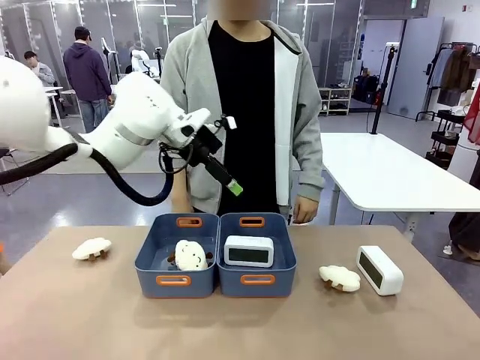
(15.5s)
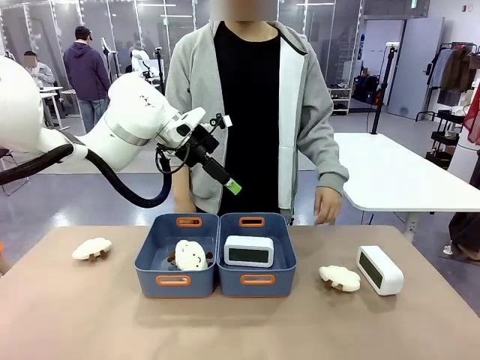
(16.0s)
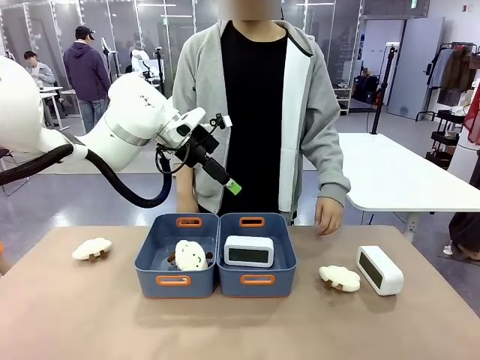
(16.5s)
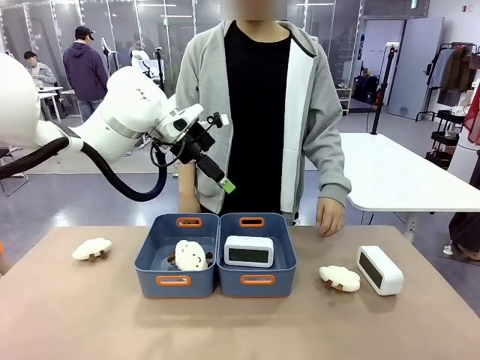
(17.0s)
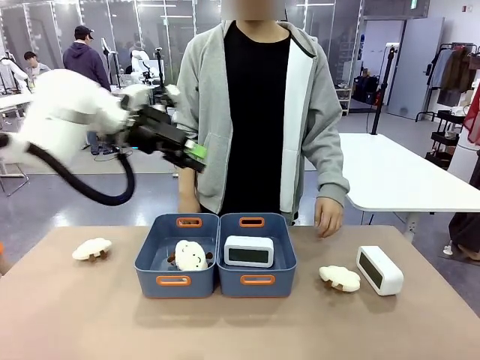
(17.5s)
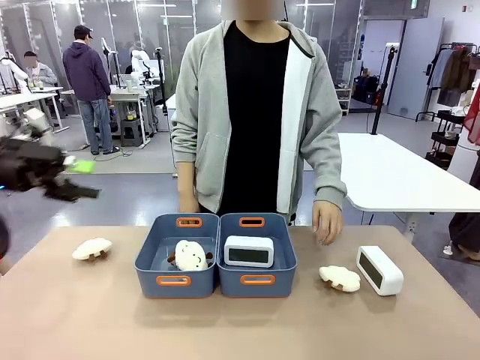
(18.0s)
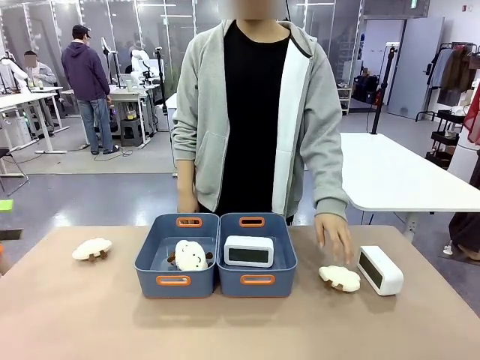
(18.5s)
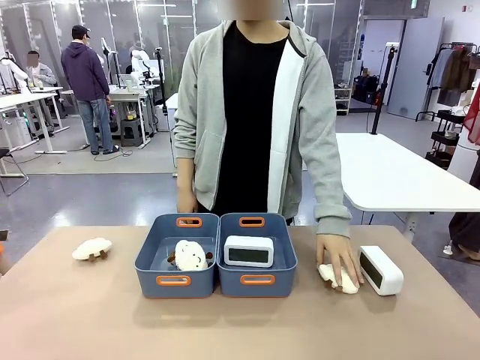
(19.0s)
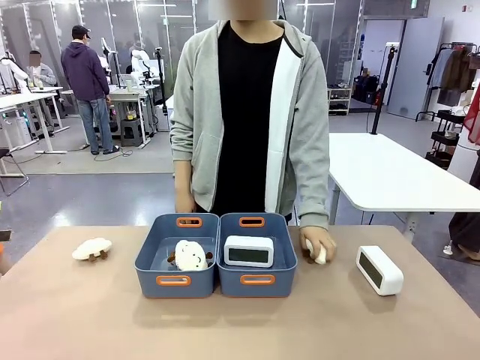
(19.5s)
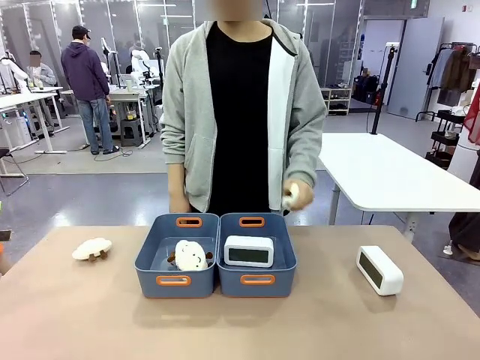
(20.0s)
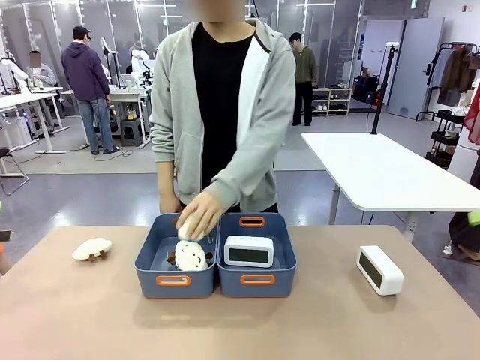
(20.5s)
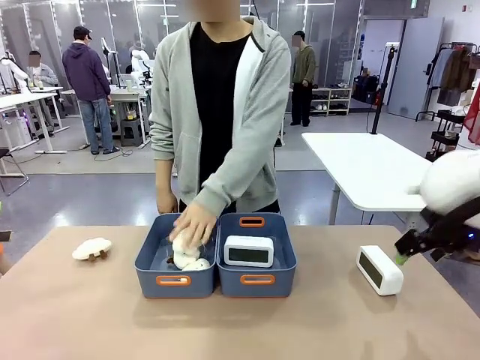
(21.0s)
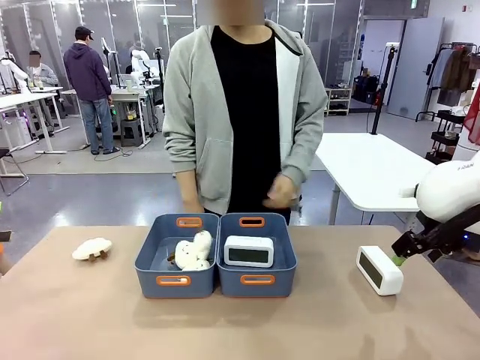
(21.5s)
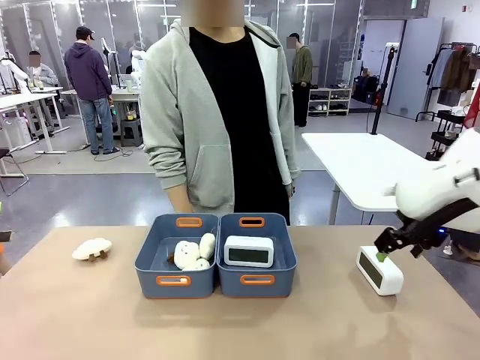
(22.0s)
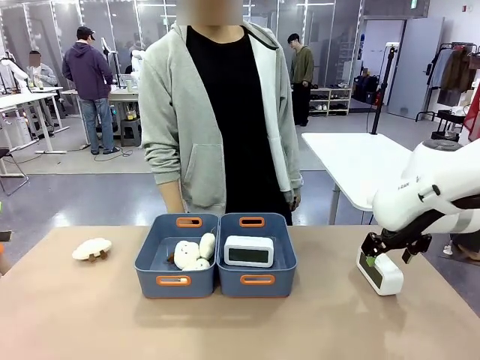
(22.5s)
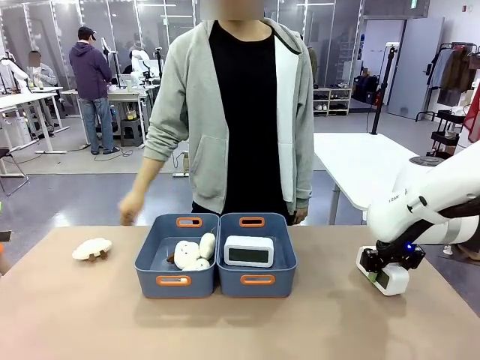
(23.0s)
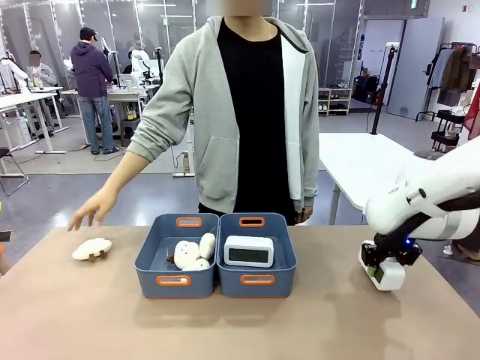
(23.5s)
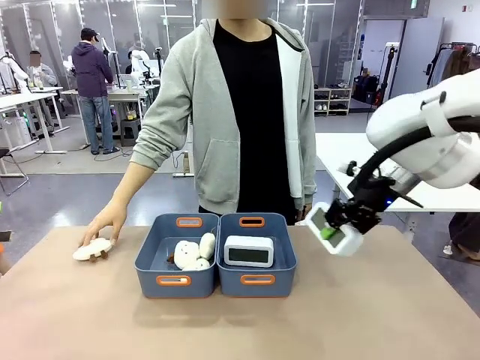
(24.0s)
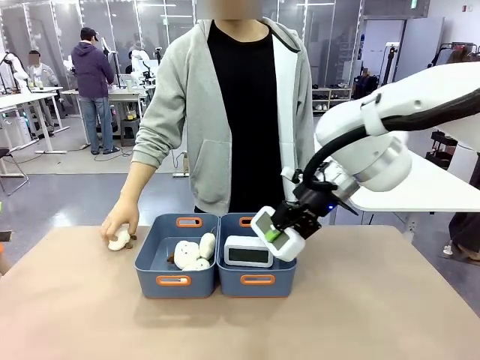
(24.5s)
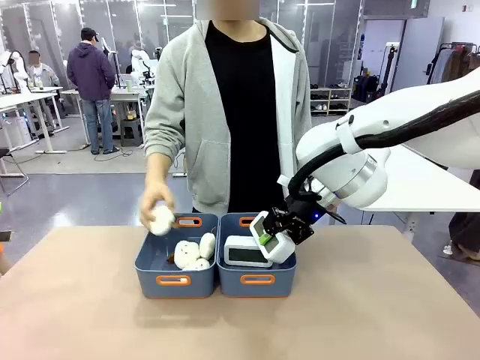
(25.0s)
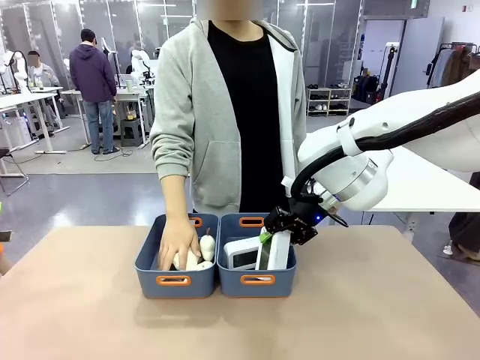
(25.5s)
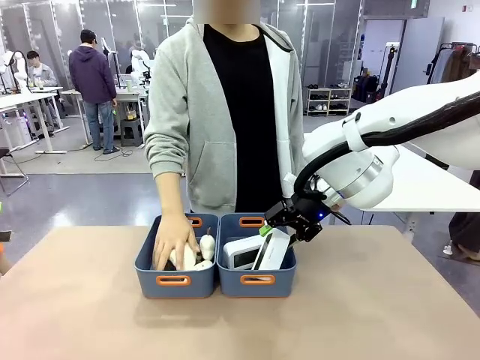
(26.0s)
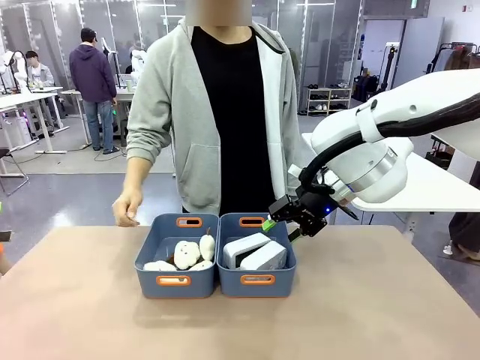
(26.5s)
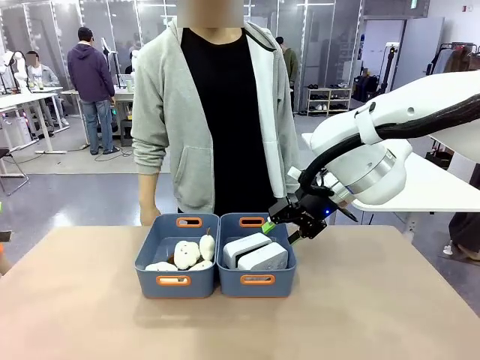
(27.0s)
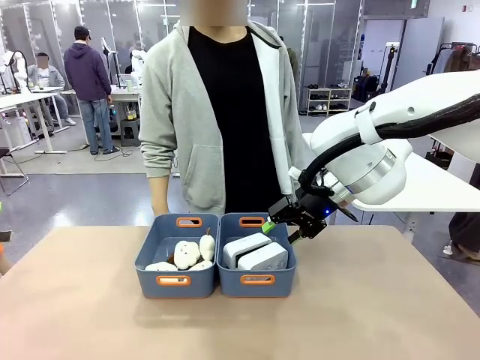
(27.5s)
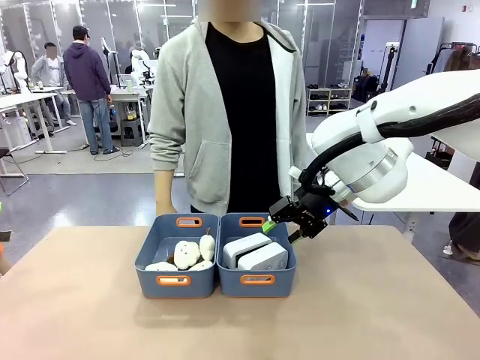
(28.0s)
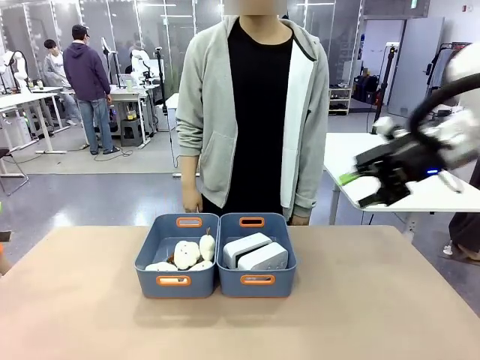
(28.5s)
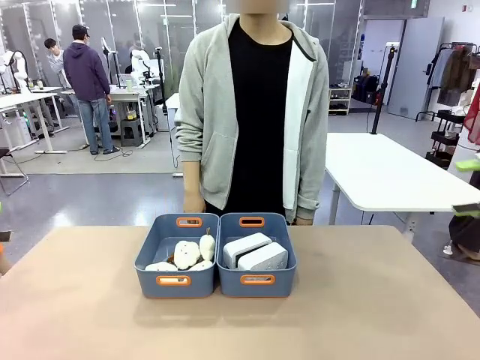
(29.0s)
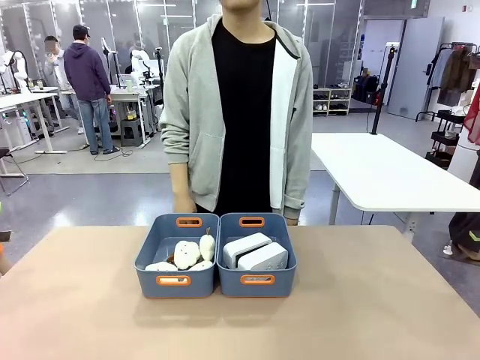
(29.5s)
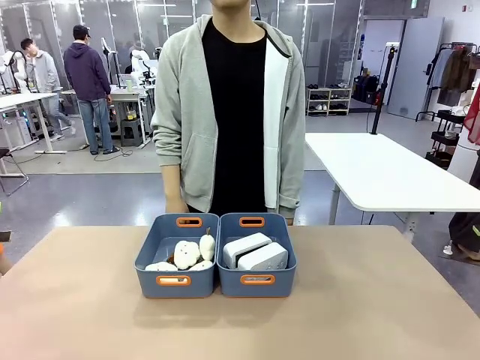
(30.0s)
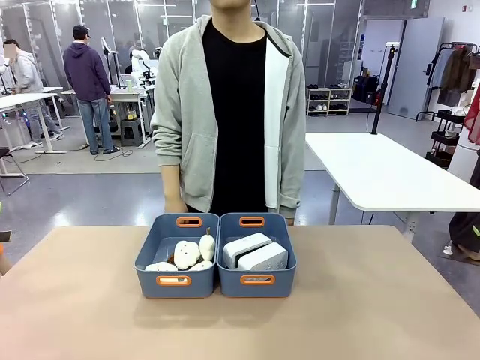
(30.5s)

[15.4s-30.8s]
Task: Sort the digital clocks into the basket.
Robot: Pick up the Digital clock from the table and place it into the empty Plastic storage basket.
Person: Pick up a plush toy from the table and place it in the plastic storage basket containing the plush toy.

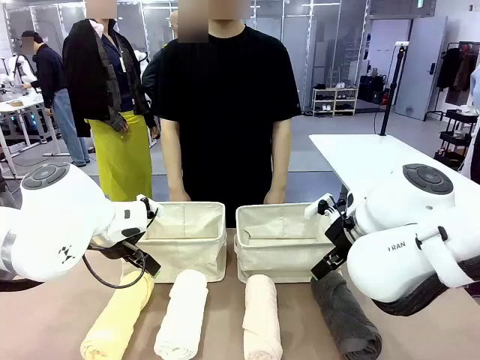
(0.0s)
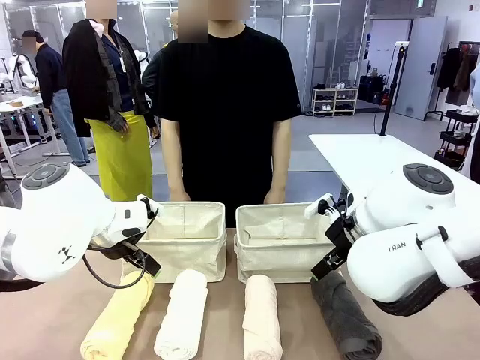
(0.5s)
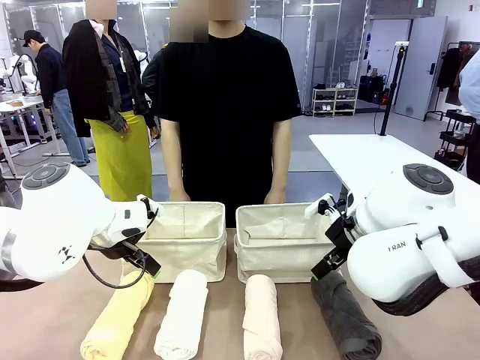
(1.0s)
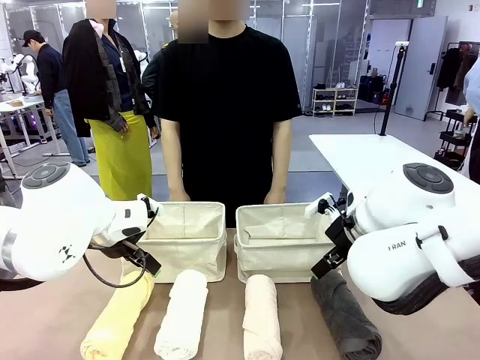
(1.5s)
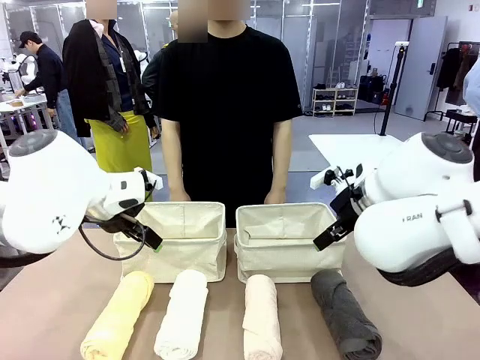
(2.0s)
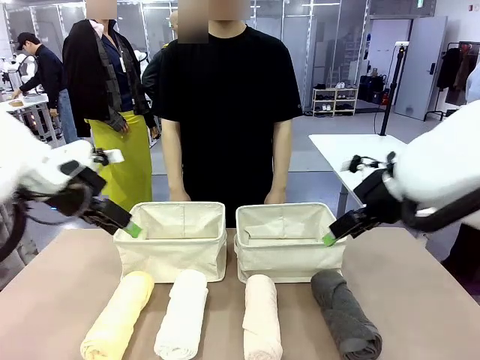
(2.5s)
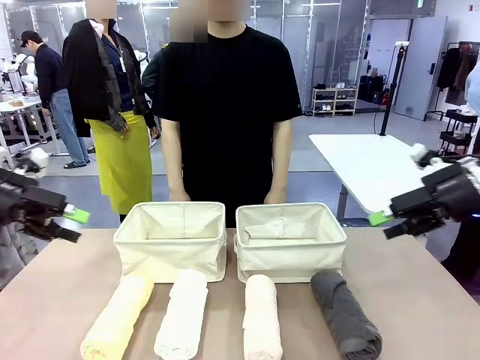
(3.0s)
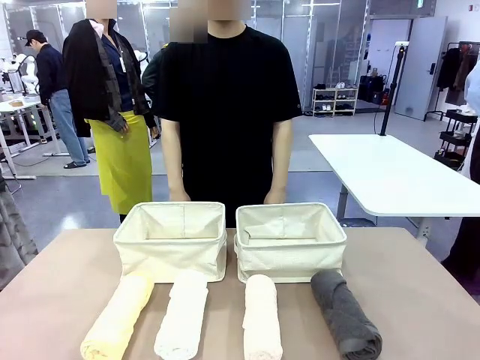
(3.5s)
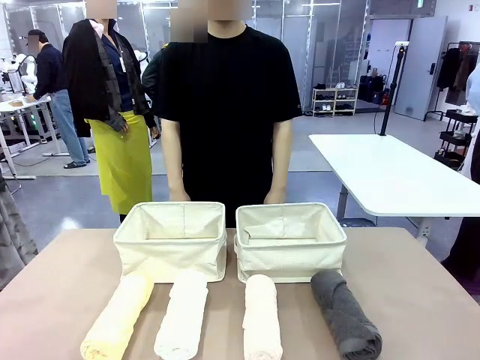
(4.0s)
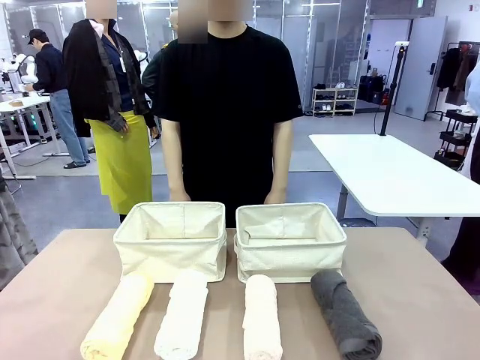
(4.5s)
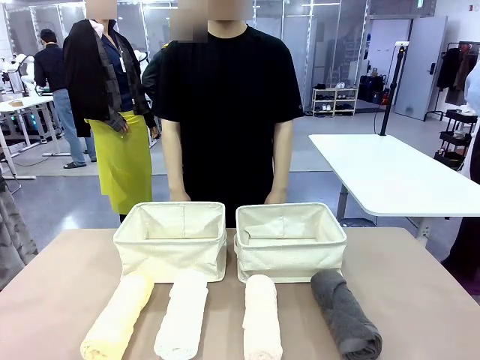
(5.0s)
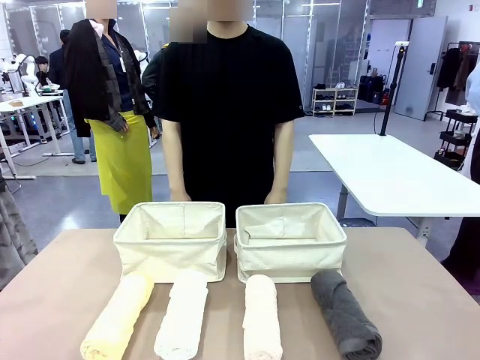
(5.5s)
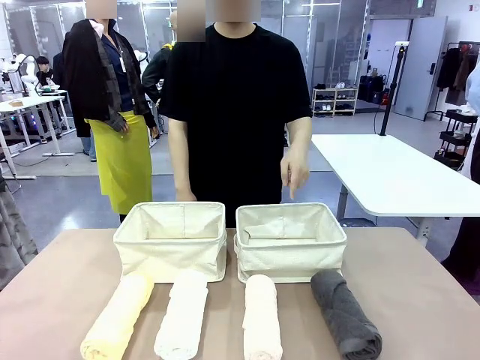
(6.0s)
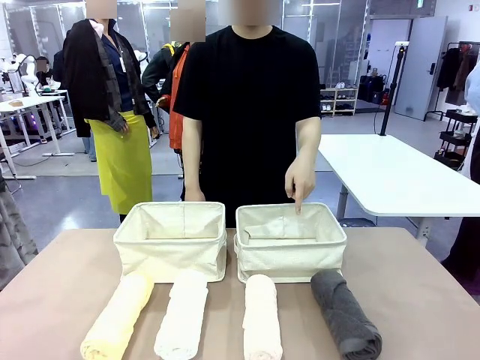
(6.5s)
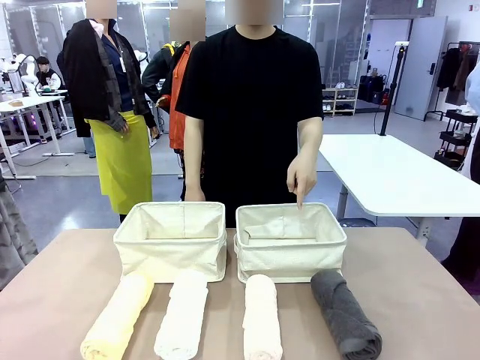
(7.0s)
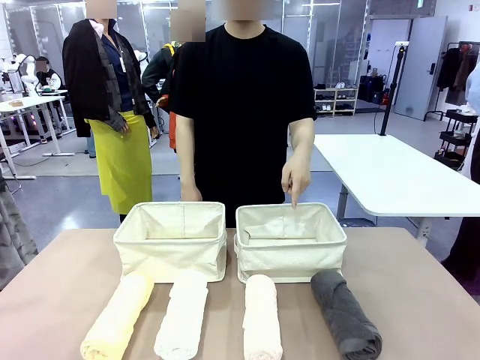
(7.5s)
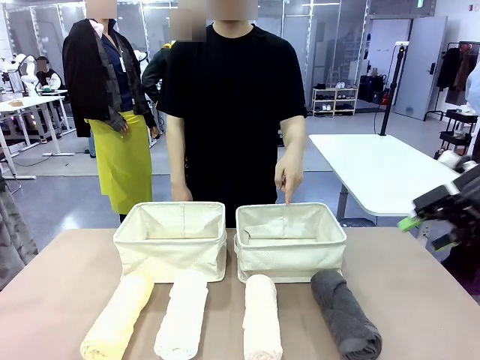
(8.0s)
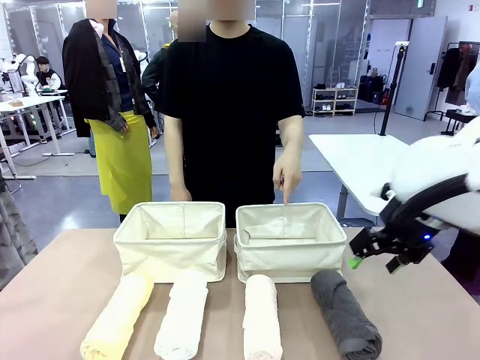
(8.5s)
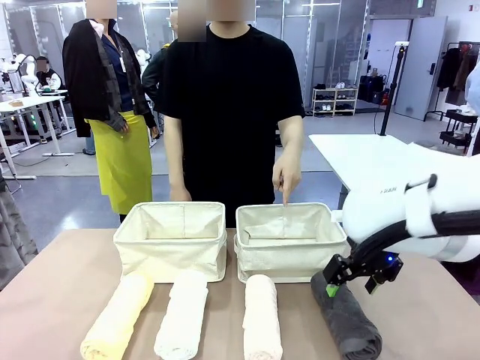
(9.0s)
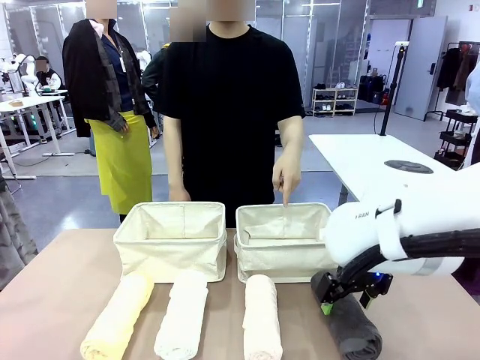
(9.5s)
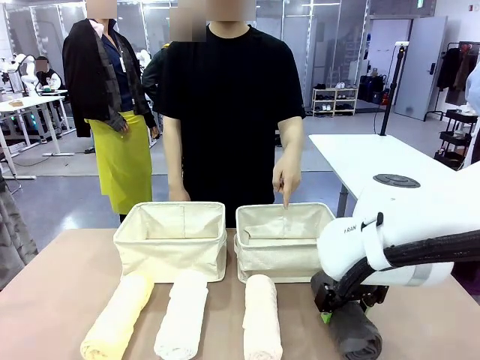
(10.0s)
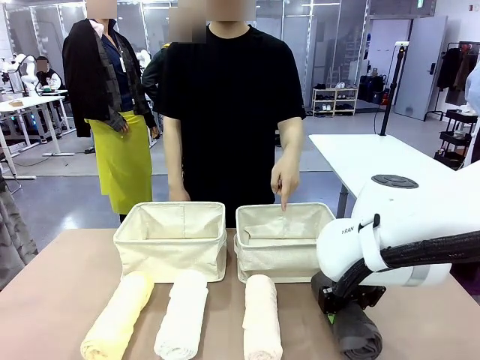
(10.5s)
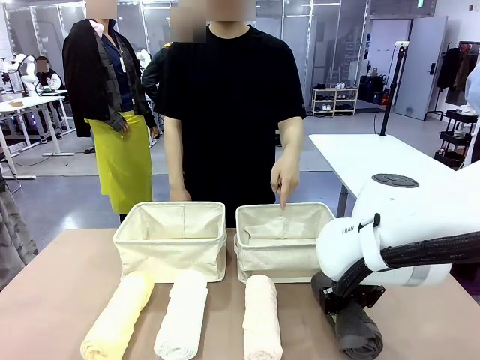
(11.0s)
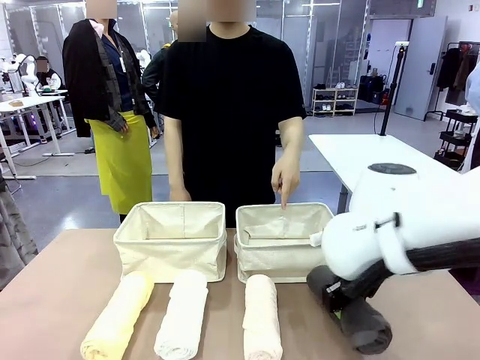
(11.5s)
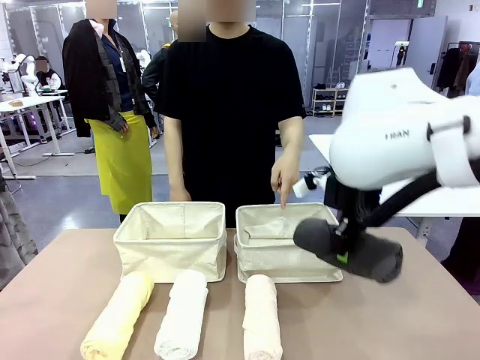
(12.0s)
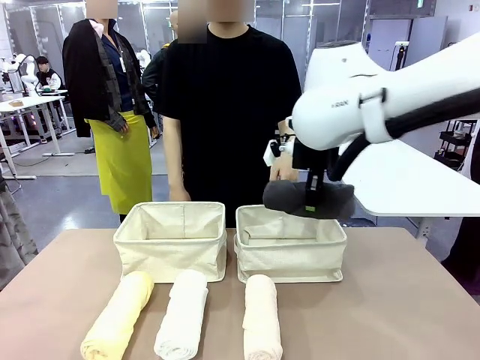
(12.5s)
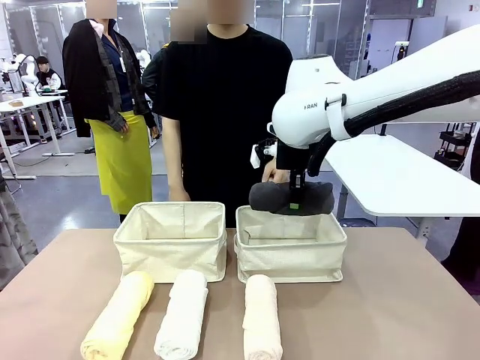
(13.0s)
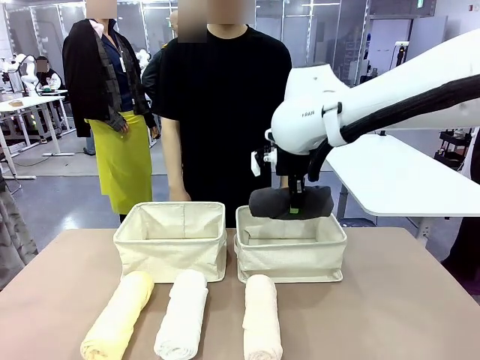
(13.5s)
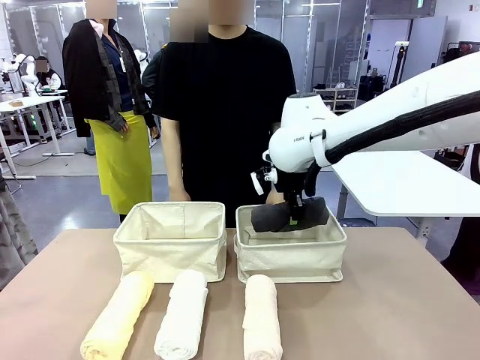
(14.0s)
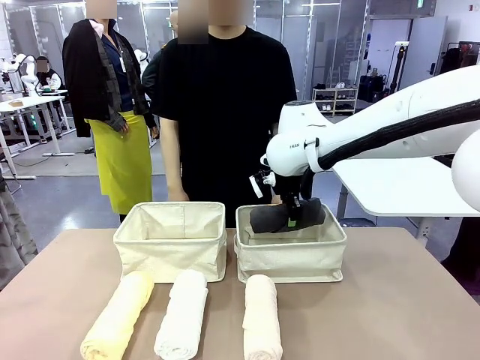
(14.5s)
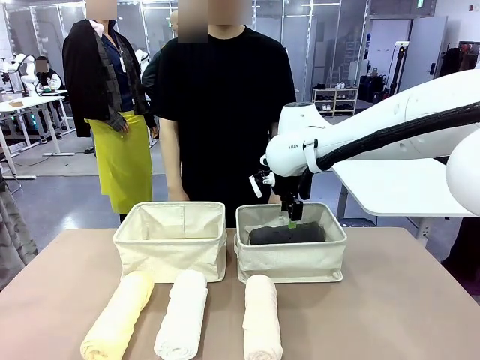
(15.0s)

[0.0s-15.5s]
Task: Divide the towels into two baskets.
Robot: Pick up one hotel-folded towel and place it in the Fabric basket indicated by the person.
